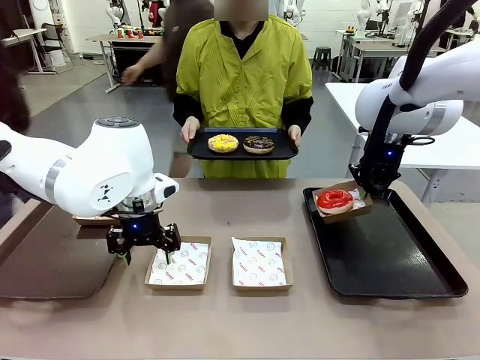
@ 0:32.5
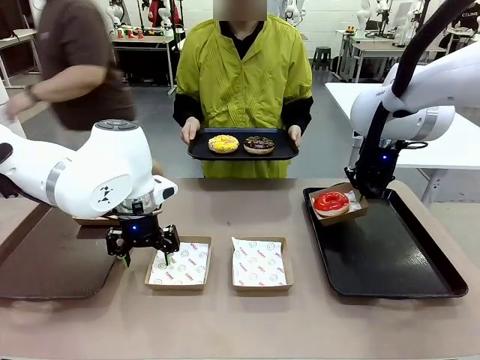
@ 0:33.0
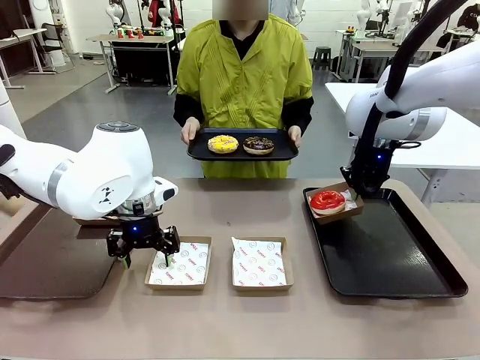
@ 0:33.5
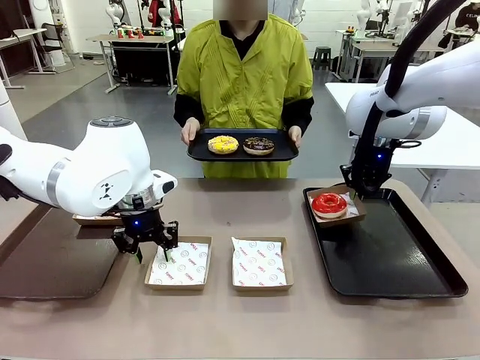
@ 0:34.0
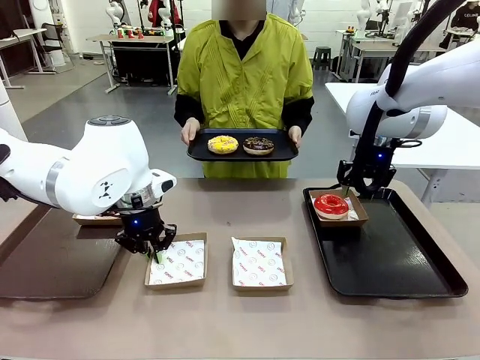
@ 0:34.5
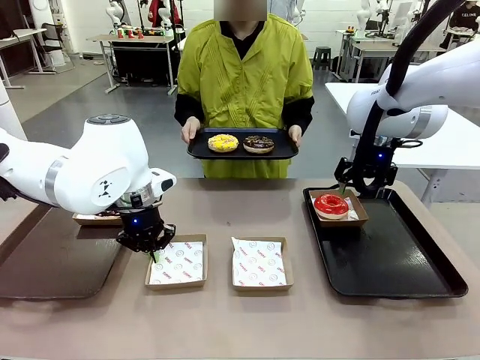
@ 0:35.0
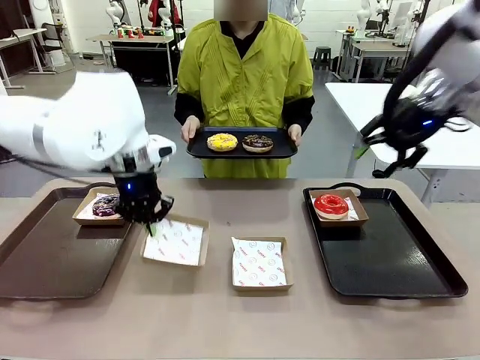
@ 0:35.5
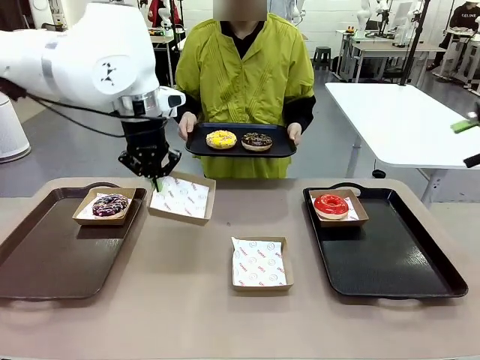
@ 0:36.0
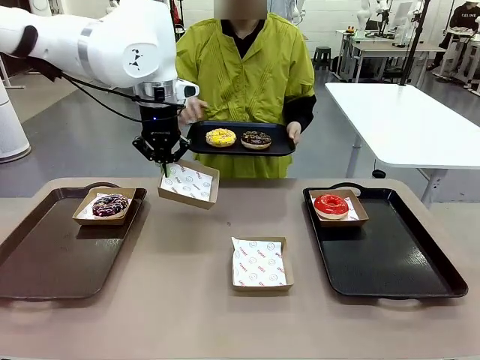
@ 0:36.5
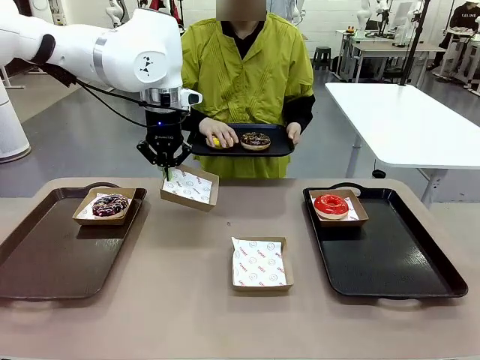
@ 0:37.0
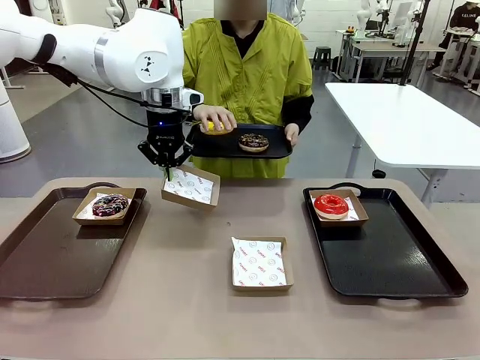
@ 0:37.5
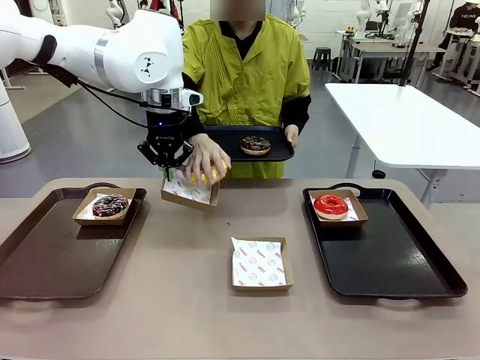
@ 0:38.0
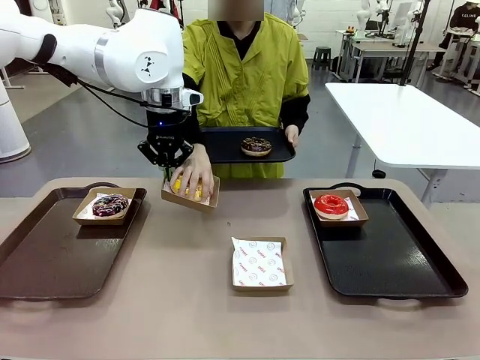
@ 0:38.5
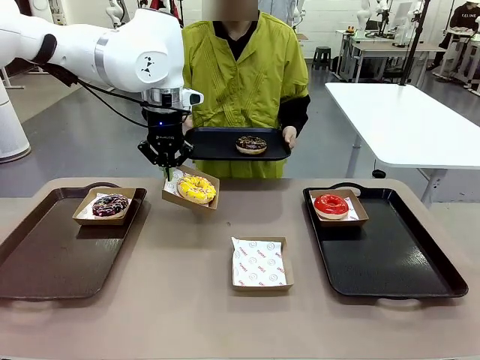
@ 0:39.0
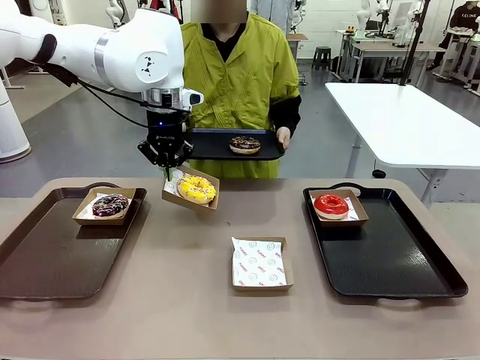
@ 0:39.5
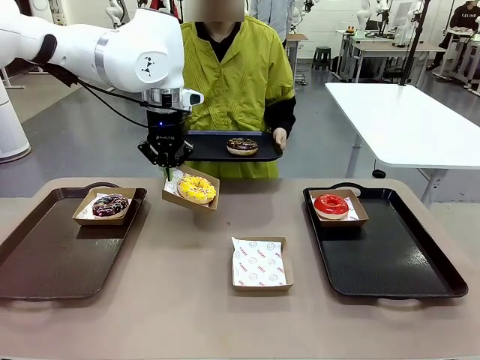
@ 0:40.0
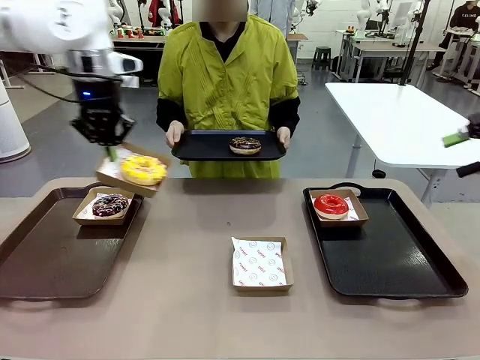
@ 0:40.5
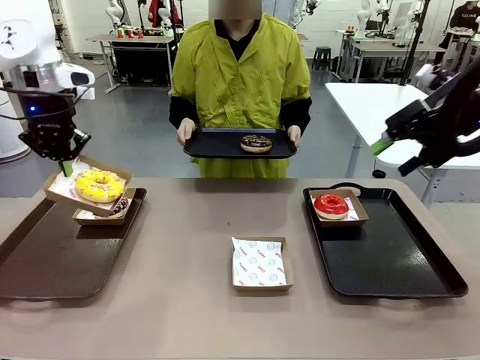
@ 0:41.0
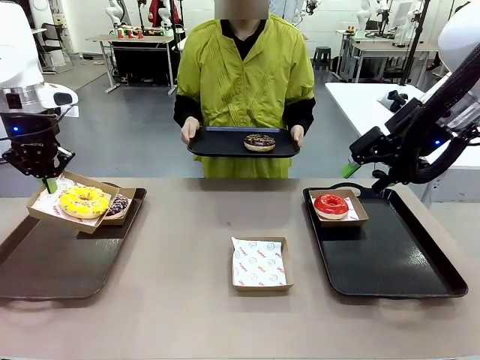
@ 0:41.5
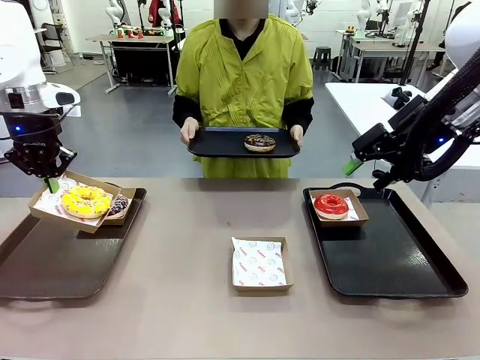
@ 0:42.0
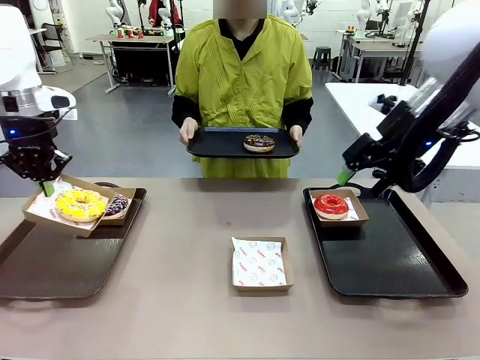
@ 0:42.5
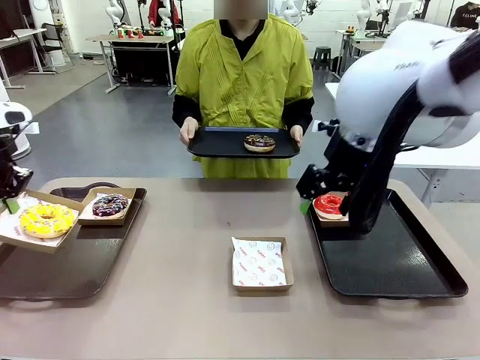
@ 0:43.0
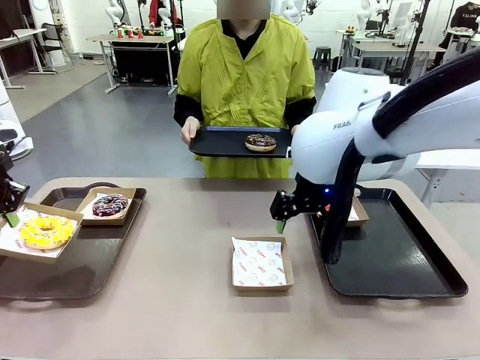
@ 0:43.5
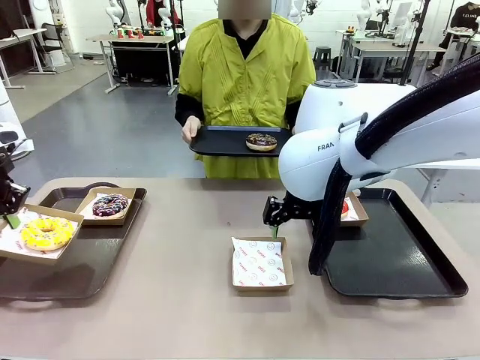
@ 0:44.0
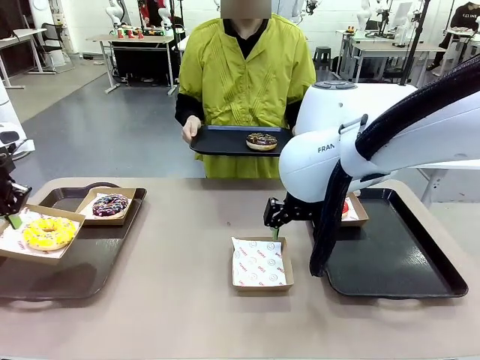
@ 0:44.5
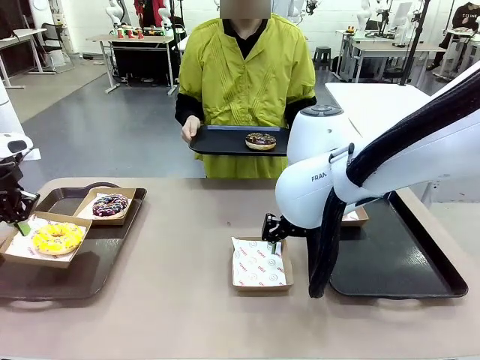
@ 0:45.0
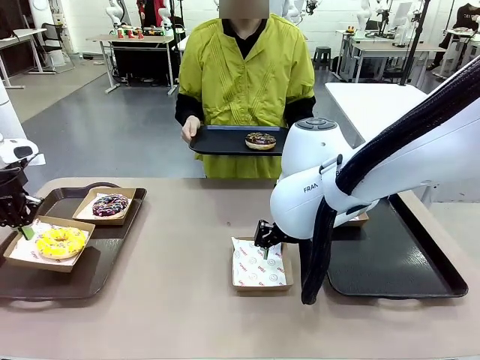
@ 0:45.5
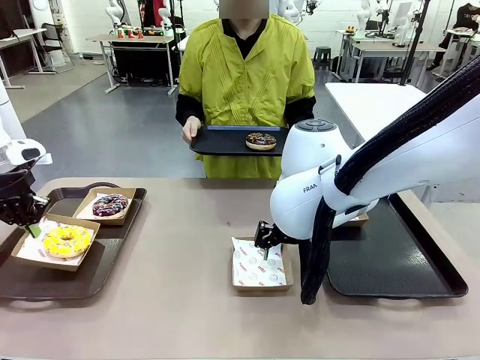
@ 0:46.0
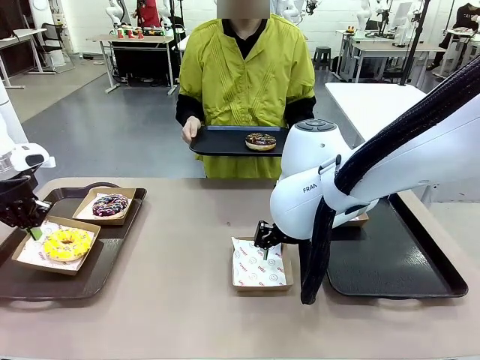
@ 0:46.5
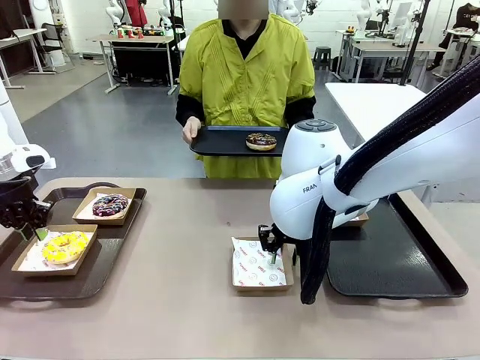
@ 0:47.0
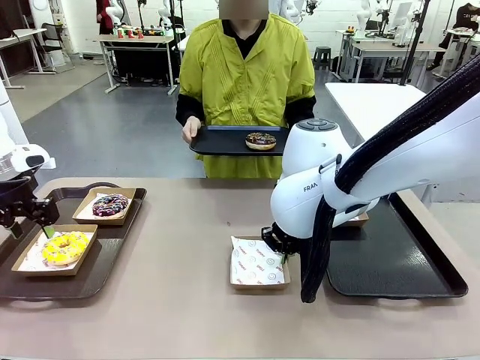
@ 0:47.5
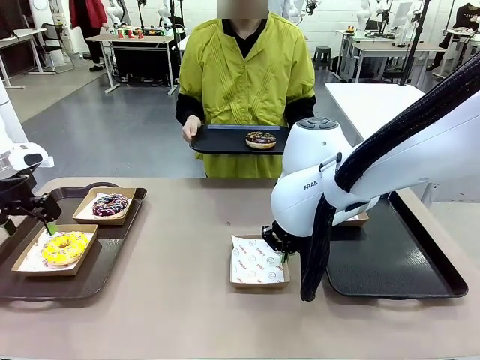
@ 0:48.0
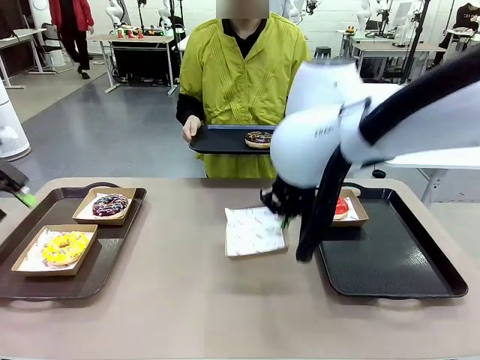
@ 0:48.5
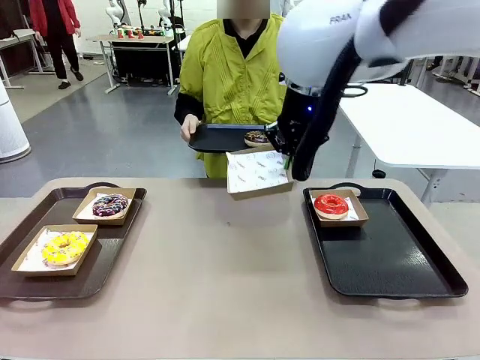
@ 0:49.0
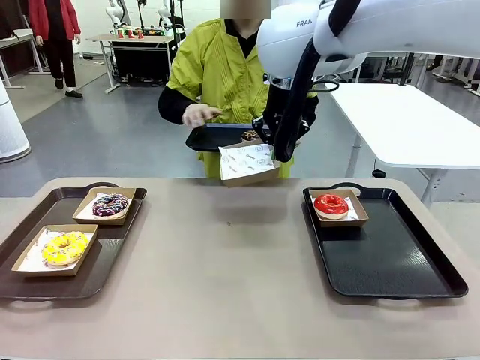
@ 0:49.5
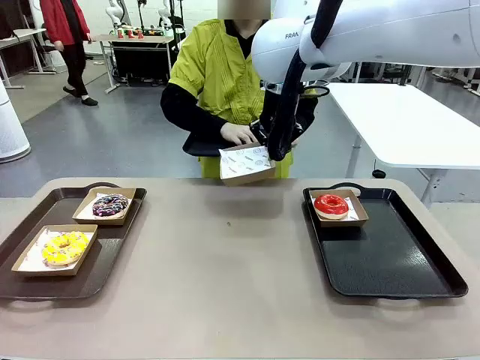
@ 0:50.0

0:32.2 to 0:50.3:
Task: Individually package the donuts and arrange them on the tray.
Robot: Place the picked Paper togo box on the Handle tray while simultaneously picking up another Paper togo box from the table with the other hand.

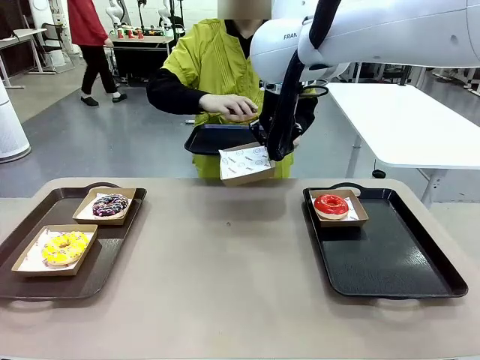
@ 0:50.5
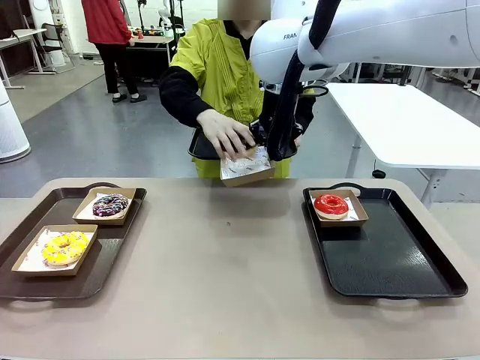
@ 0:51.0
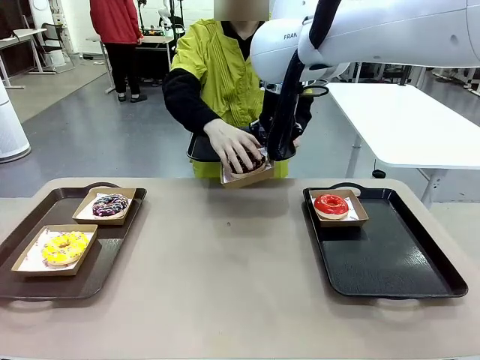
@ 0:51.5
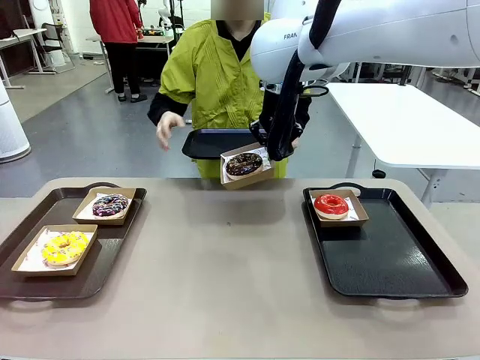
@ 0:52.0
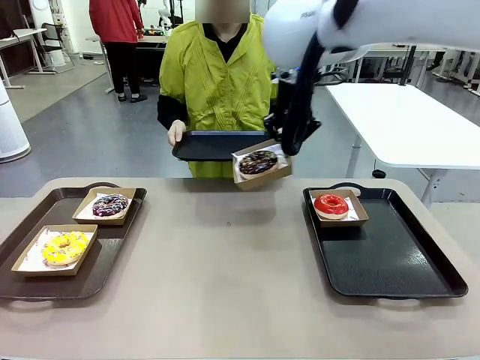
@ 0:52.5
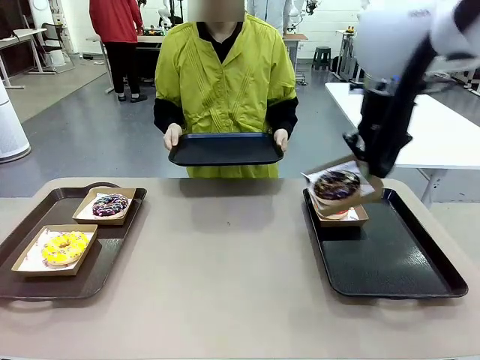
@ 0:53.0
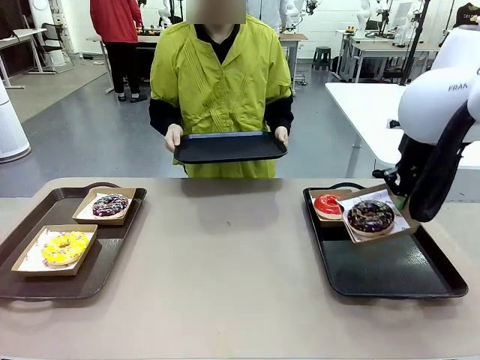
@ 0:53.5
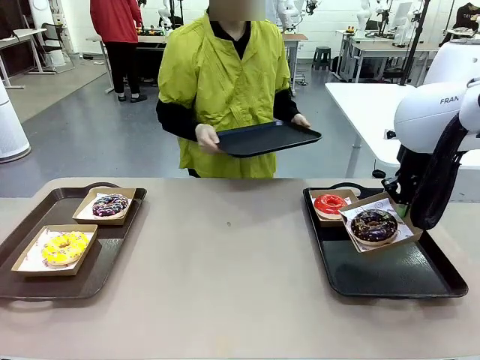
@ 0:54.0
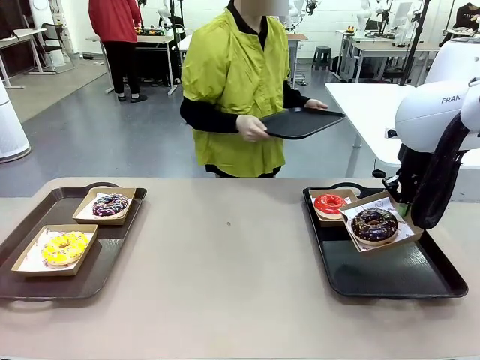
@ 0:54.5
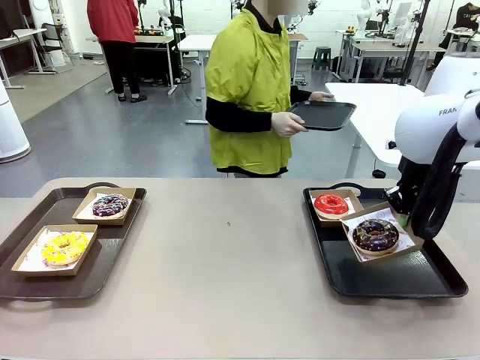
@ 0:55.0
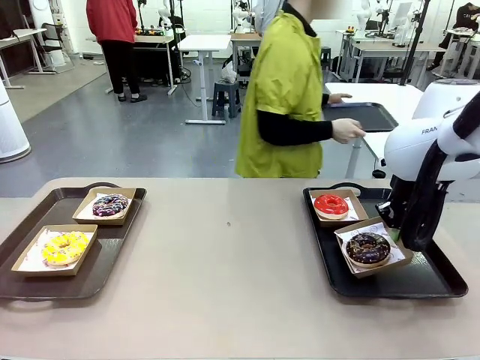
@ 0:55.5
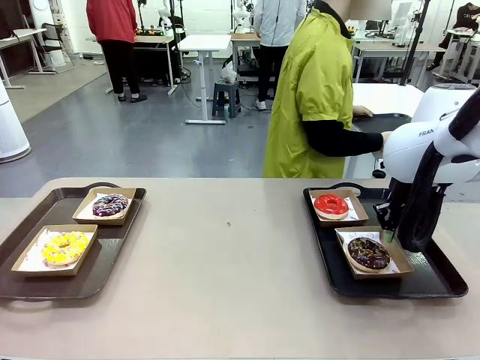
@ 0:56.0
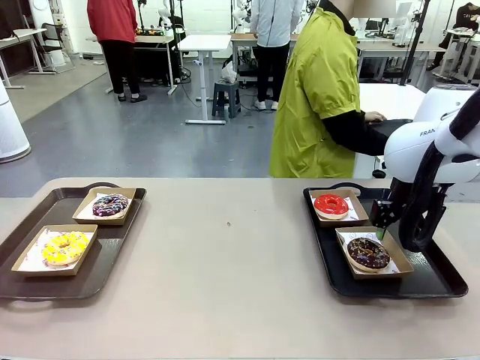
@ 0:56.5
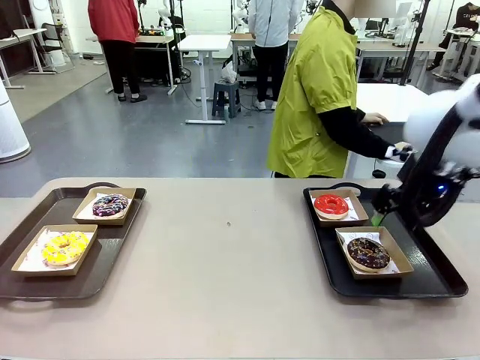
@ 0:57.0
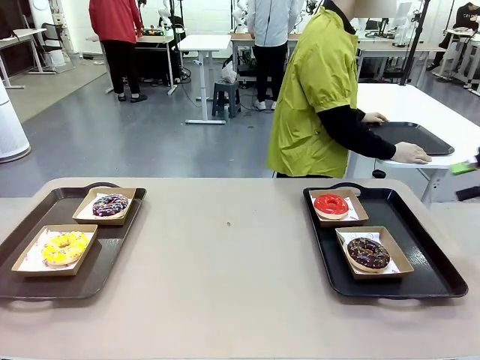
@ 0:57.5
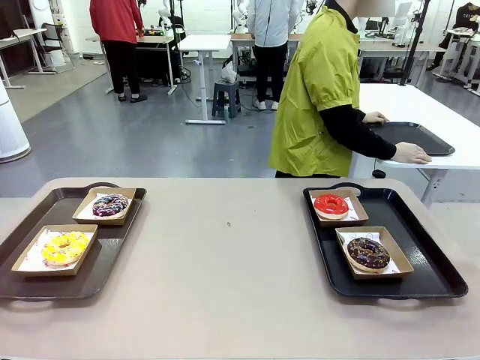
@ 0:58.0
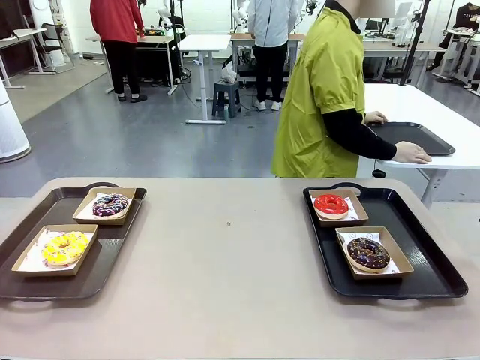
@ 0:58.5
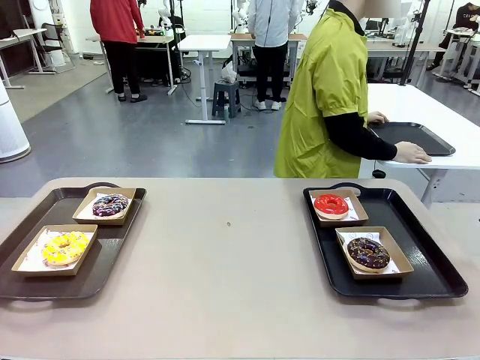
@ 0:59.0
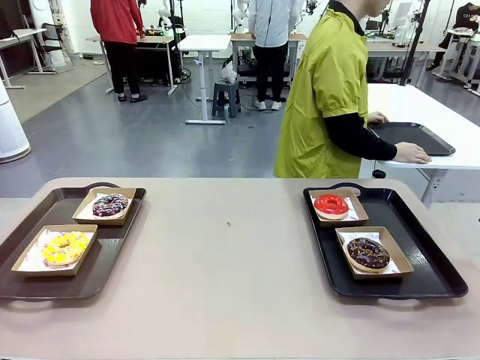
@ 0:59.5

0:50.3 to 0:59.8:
Robot: Place the picked Paper togo box on the Handle tray.
Person: Place the tray down in the middle of the human table.
